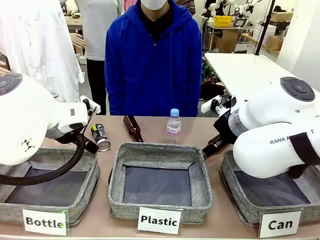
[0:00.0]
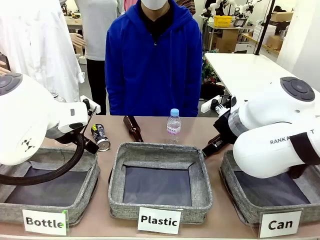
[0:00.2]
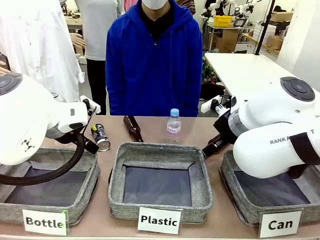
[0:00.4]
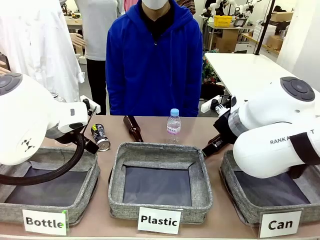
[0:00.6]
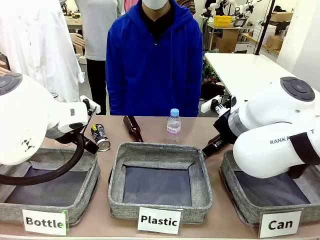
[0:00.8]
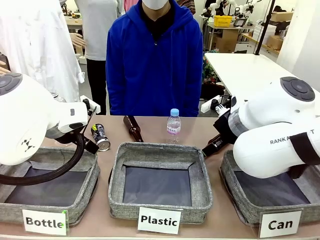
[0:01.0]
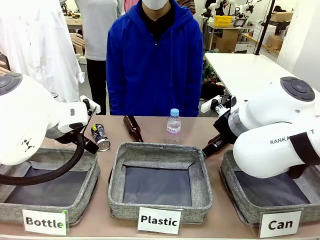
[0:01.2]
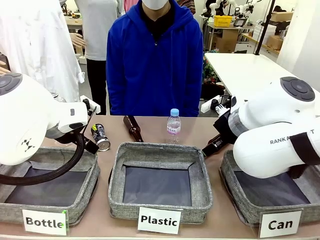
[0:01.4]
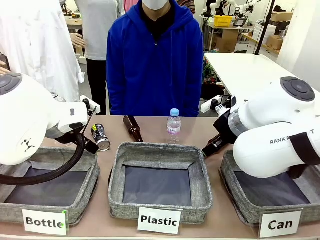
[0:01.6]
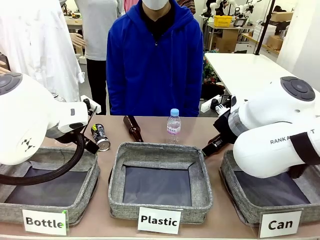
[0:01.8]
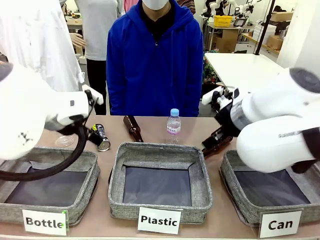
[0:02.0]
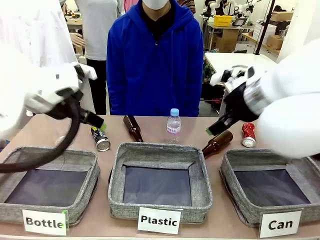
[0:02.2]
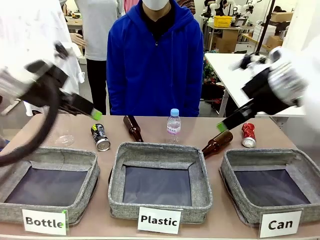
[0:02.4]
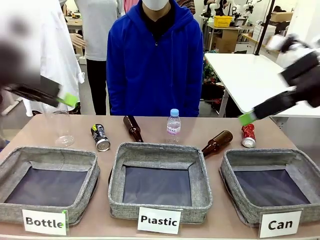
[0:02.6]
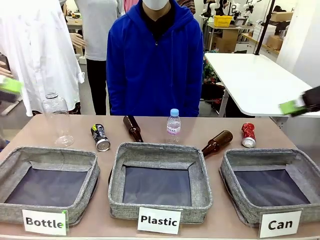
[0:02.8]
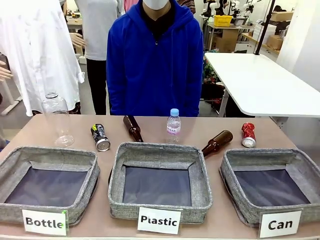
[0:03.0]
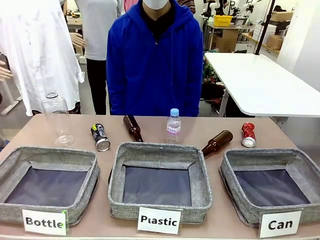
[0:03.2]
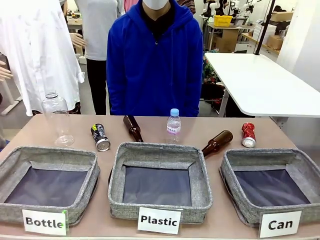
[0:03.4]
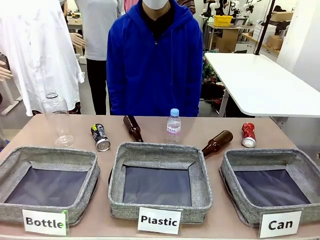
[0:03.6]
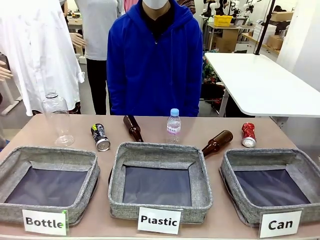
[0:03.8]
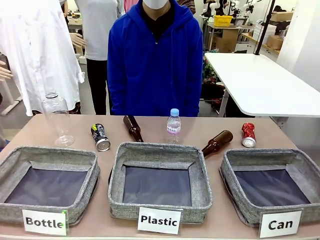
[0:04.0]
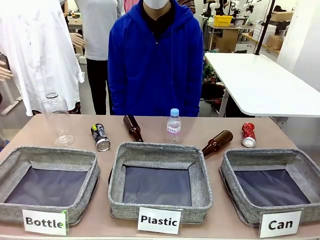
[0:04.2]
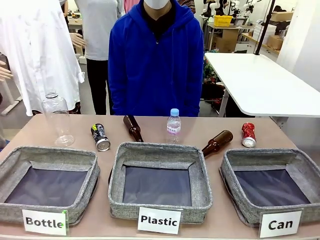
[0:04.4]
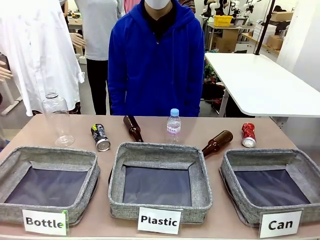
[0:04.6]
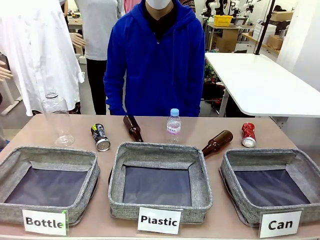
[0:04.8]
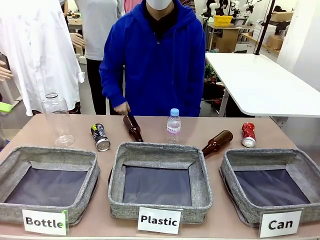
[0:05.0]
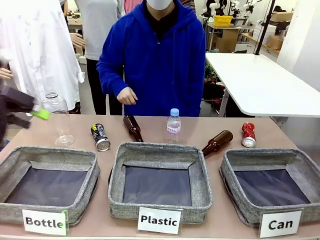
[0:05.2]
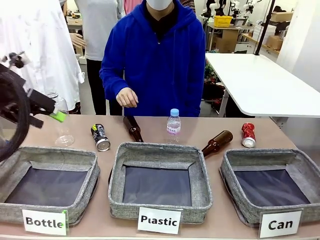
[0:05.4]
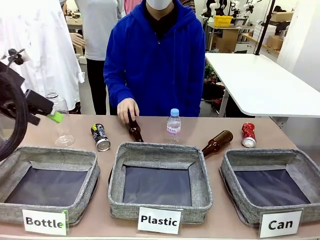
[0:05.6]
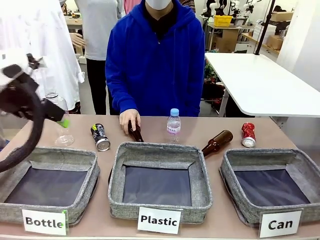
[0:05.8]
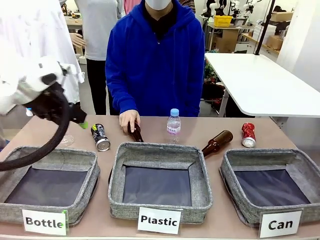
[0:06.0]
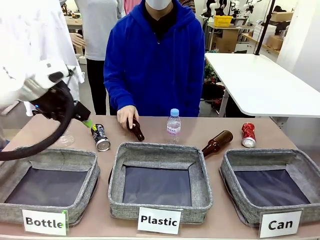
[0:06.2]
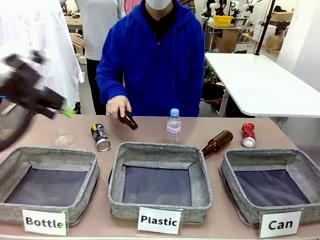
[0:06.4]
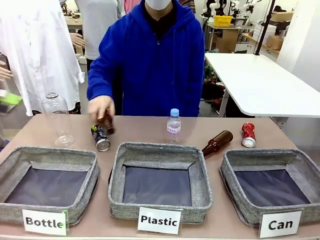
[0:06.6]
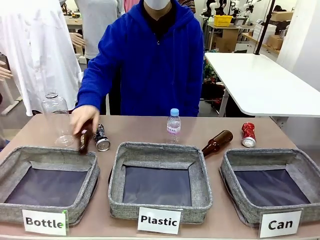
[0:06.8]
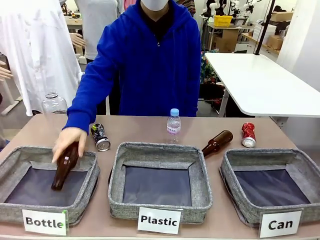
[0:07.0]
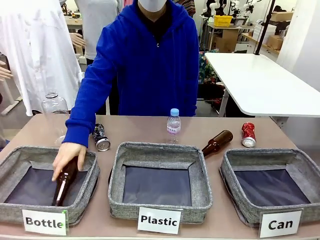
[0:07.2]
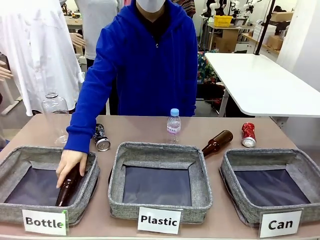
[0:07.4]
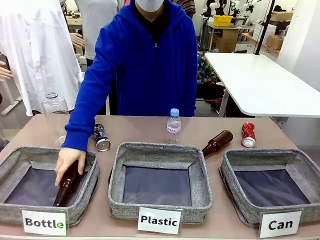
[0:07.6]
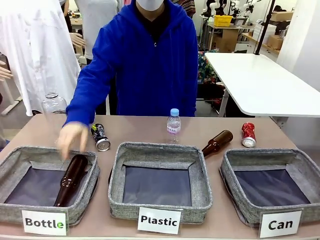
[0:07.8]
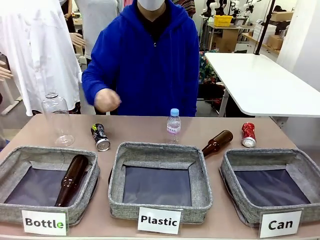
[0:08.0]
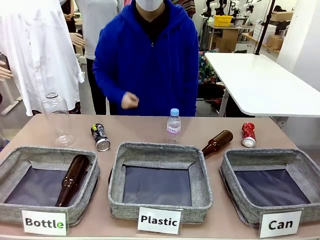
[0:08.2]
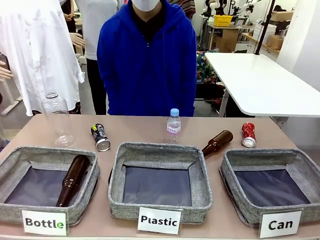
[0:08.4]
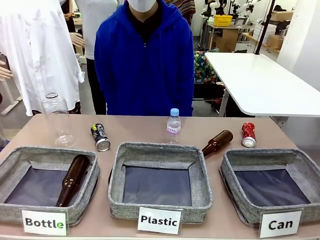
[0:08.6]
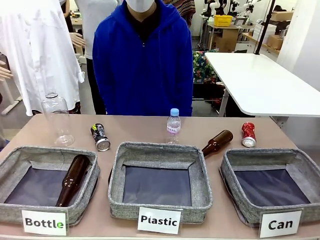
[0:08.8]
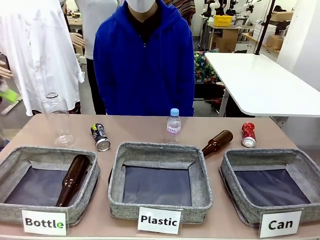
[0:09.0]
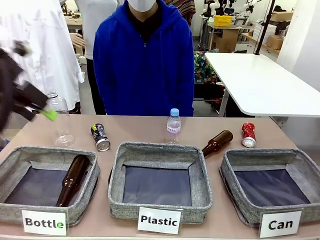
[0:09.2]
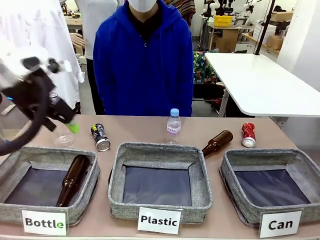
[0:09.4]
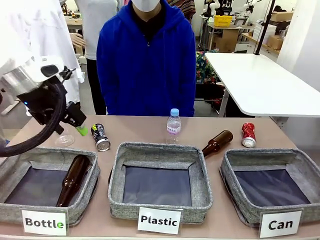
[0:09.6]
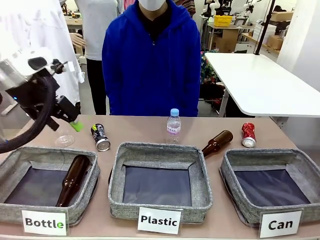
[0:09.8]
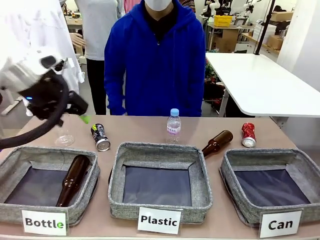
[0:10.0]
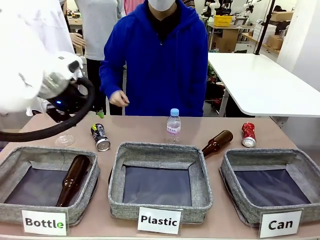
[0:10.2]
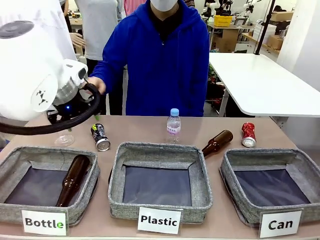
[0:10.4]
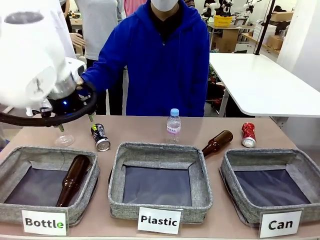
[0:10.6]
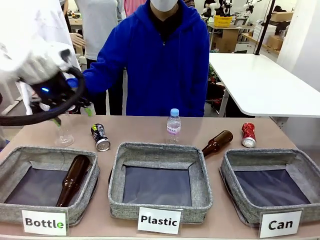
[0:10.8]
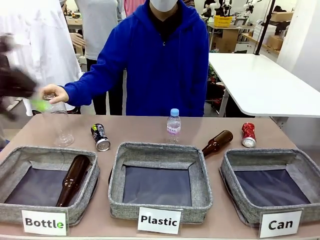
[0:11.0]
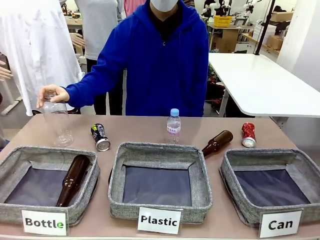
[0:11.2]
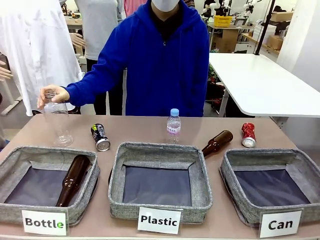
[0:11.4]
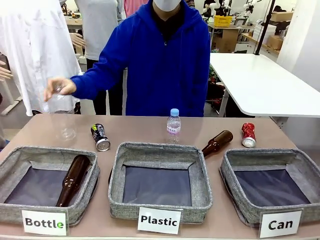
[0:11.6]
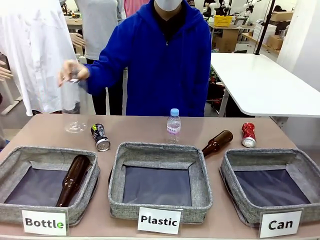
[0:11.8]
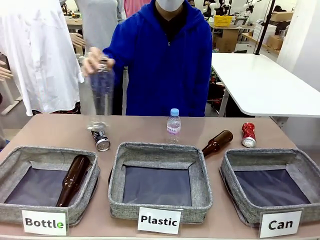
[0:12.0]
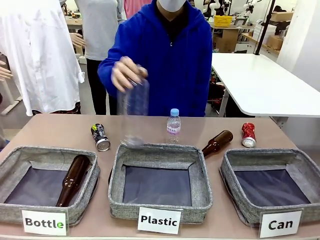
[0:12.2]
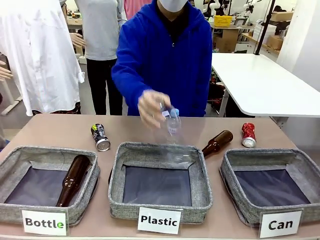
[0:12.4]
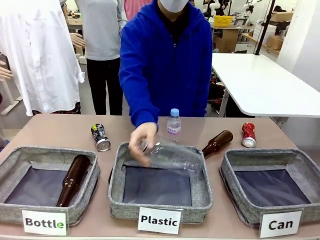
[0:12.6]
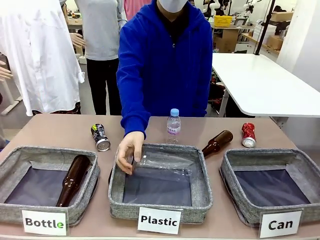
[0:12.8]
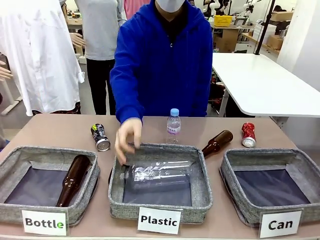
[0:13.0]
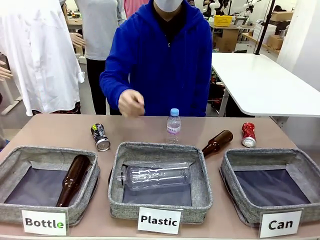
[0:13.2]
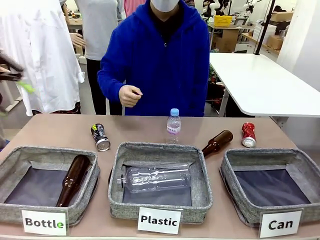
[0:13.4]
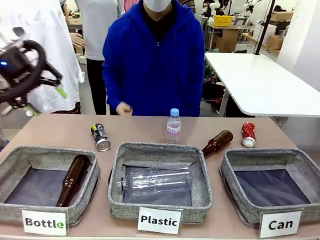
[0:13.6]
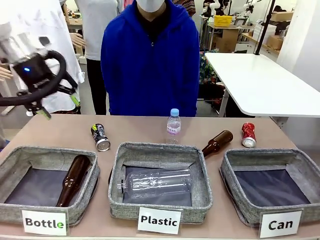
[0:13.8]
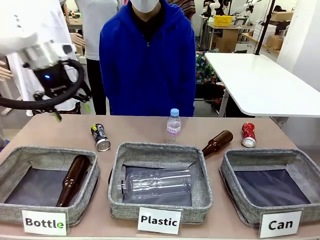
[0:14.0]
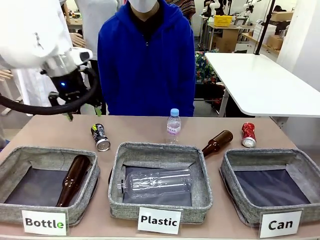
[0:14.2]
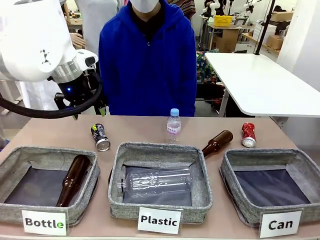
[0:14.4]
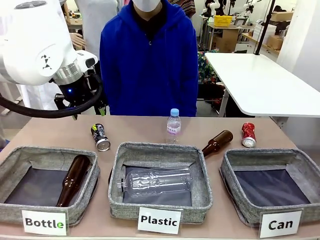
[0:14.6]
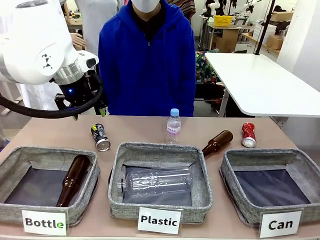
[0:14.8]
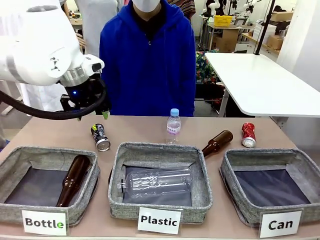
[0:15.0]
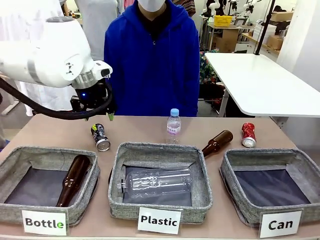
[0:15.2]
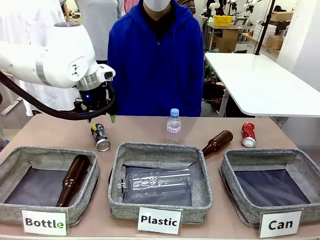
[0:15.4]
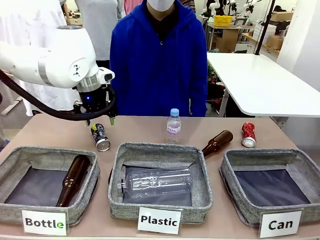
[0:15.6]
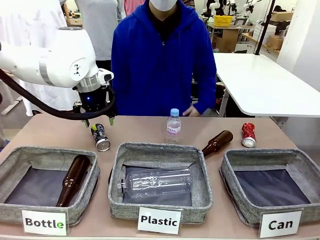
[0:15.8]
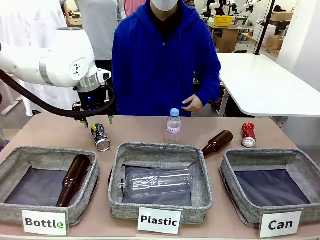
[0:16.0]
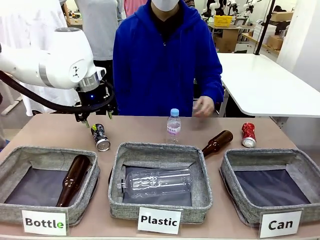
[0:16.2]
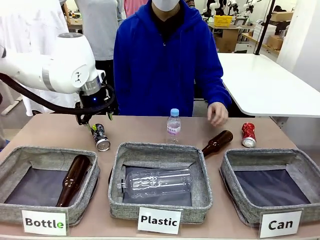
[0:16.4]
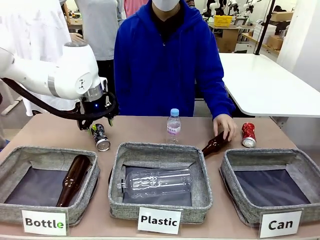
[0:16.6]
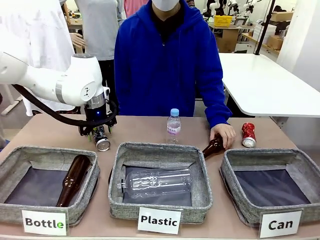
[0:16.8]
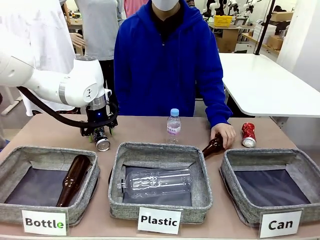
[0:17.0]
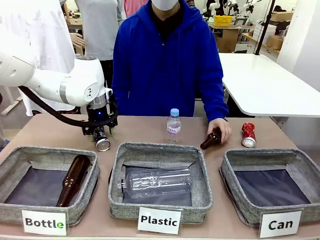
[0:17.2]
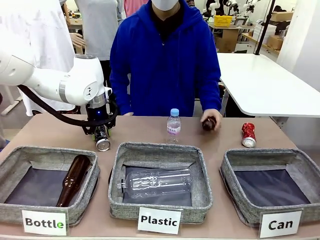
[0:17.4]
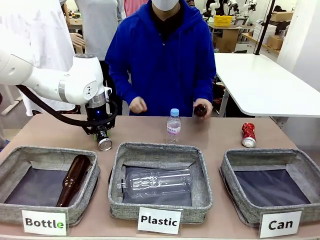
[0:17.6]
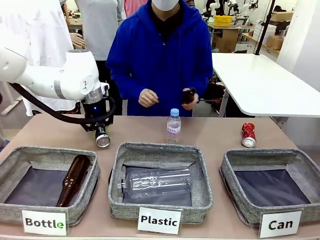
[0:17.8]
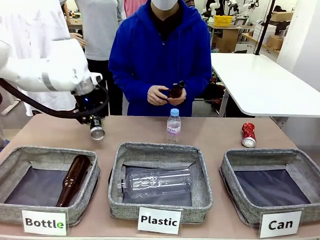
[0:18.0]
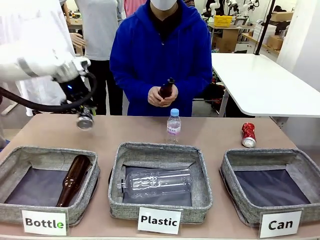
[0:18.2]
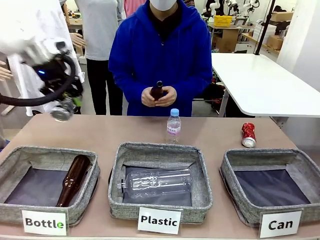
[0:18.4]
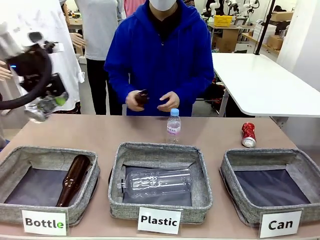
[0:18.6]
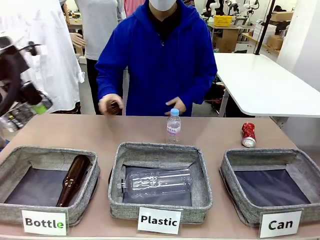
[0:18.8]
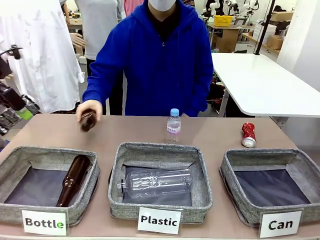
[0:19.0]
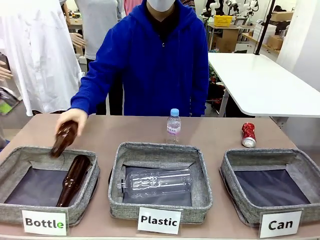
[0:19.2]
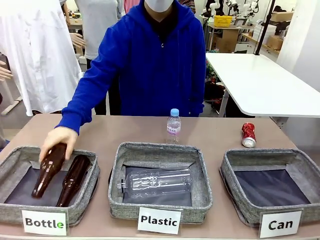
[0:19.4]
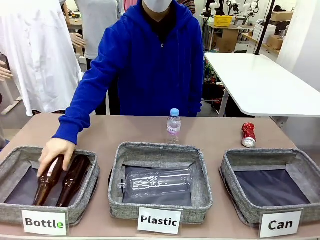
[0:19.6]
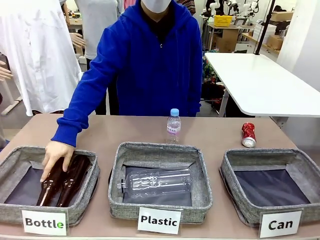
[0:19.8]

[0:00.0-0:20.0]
Task: Sort the can waste into the basket.
Robot: Pick up the can waste from the table and place it in the right Fabric basket.
